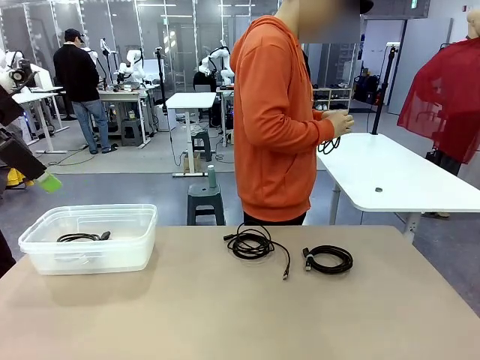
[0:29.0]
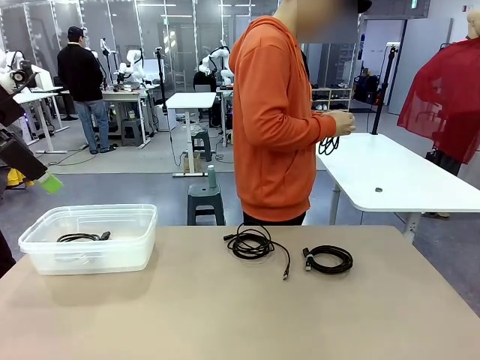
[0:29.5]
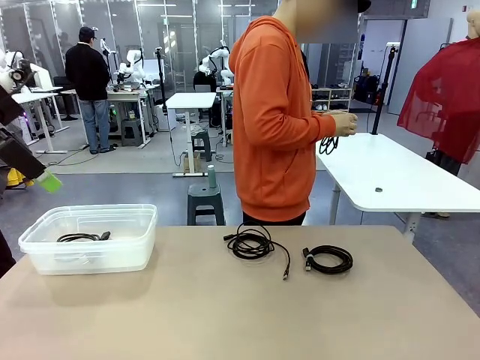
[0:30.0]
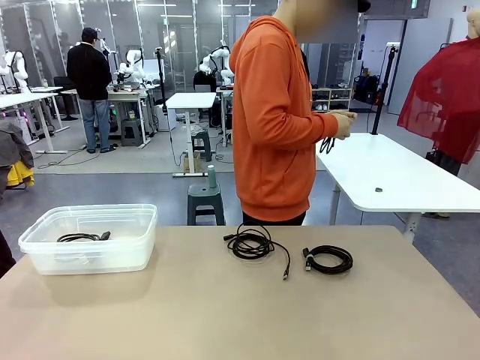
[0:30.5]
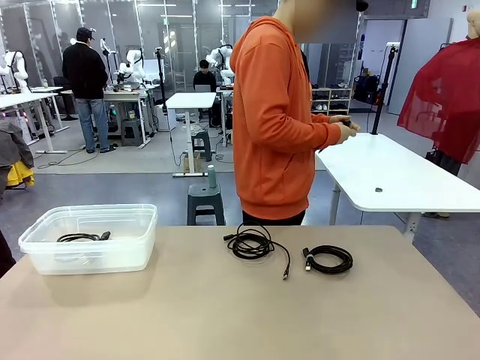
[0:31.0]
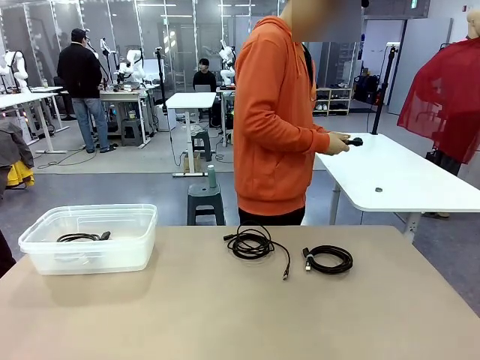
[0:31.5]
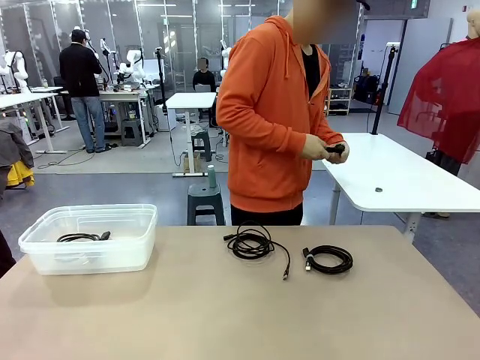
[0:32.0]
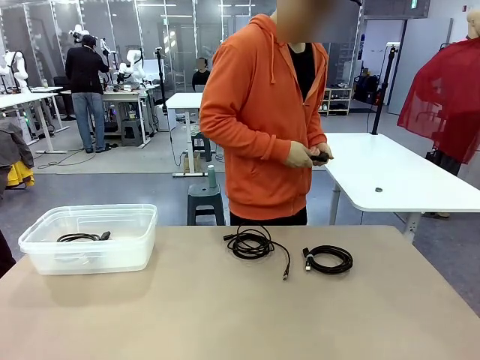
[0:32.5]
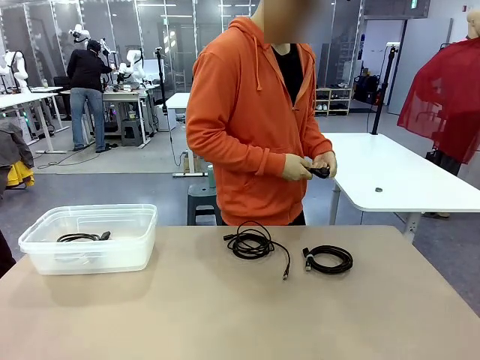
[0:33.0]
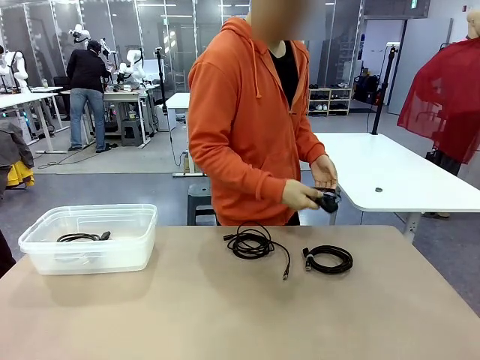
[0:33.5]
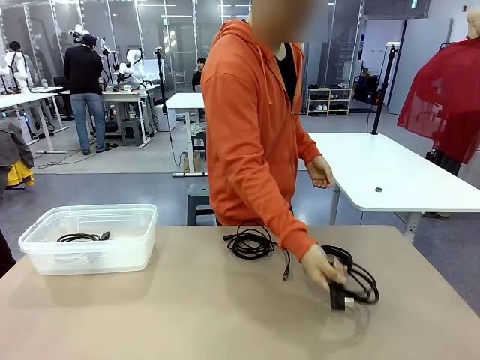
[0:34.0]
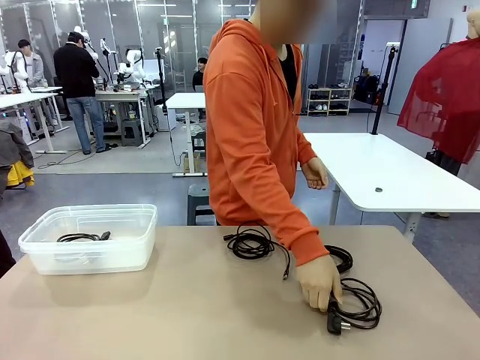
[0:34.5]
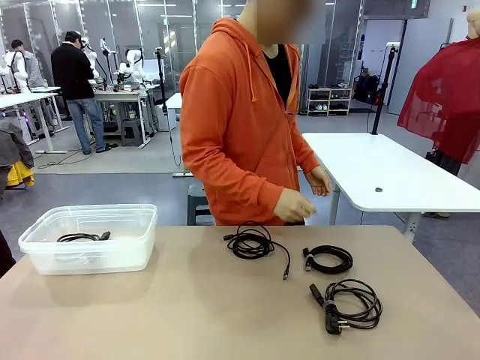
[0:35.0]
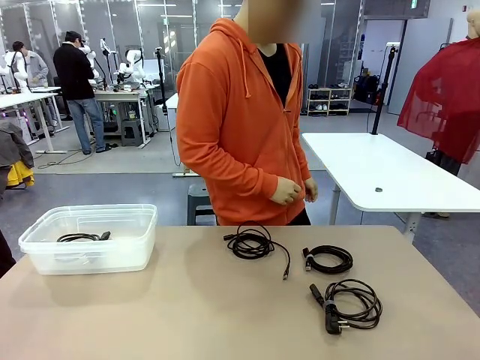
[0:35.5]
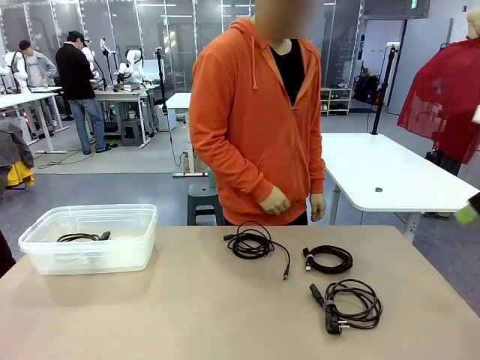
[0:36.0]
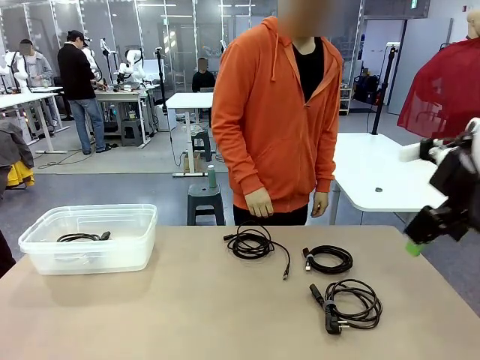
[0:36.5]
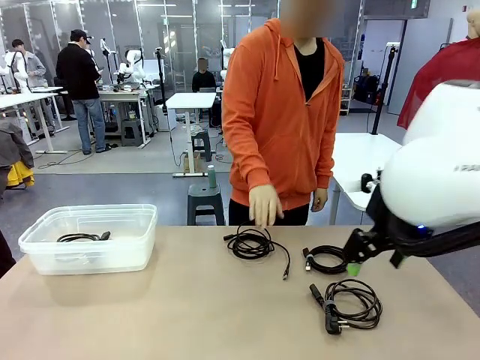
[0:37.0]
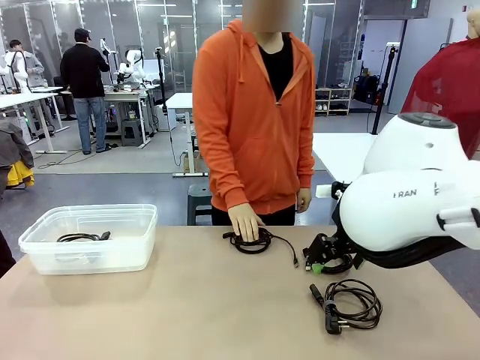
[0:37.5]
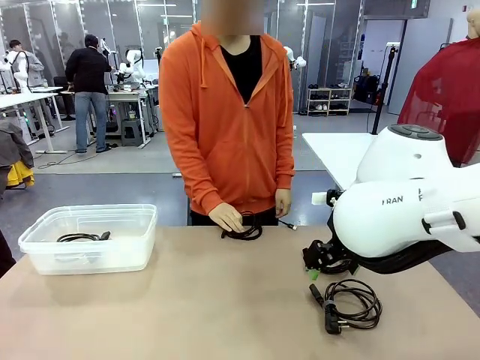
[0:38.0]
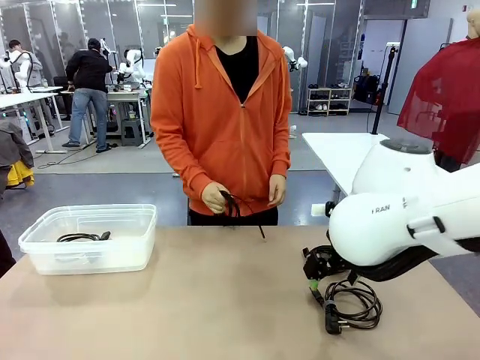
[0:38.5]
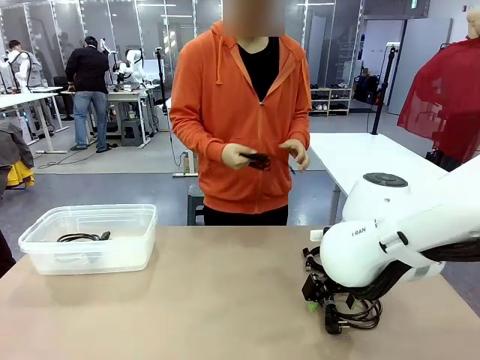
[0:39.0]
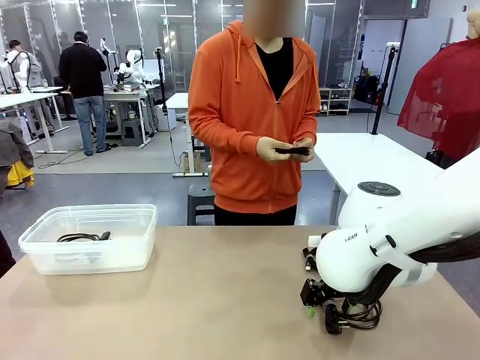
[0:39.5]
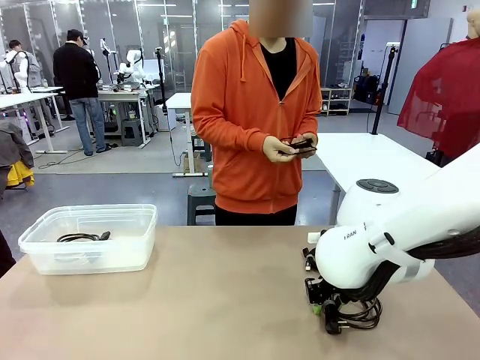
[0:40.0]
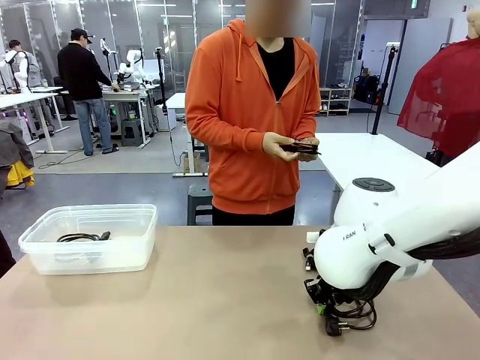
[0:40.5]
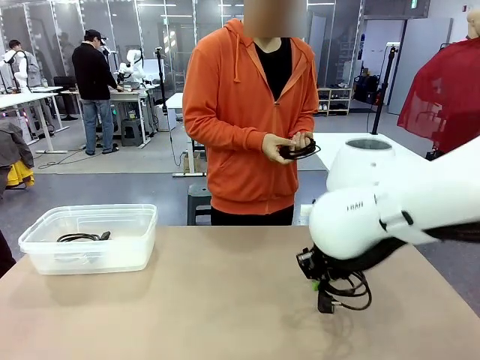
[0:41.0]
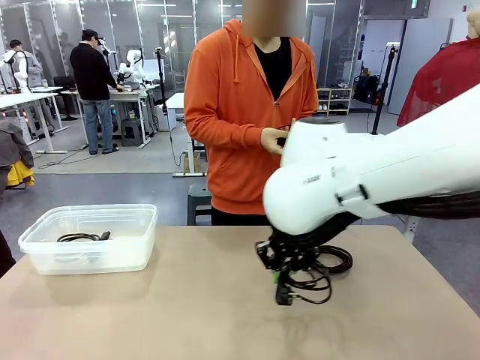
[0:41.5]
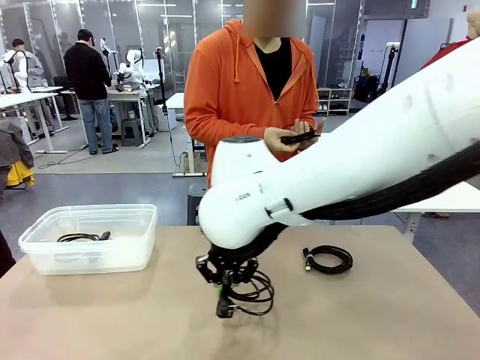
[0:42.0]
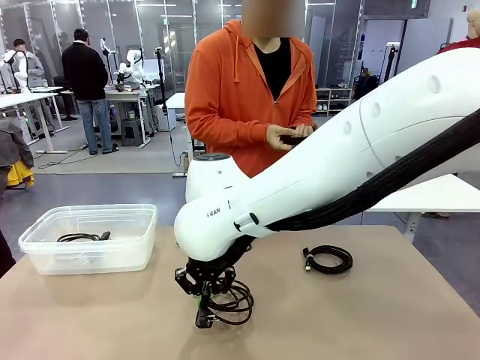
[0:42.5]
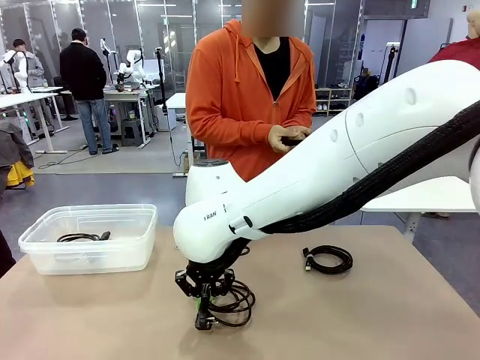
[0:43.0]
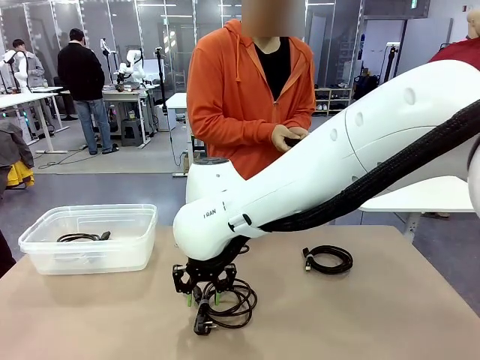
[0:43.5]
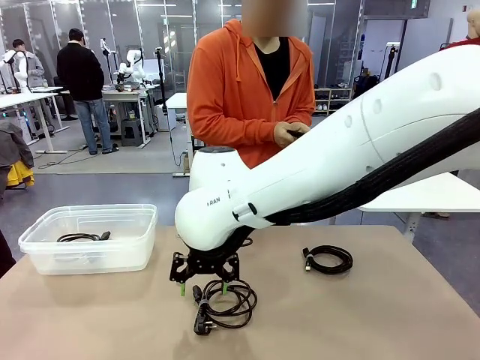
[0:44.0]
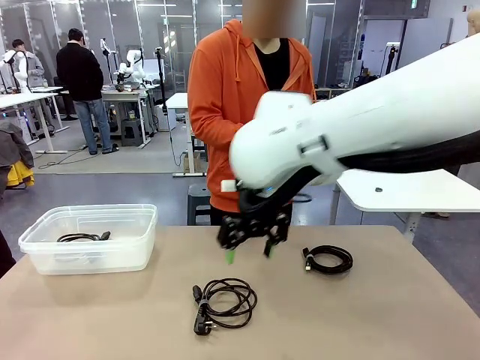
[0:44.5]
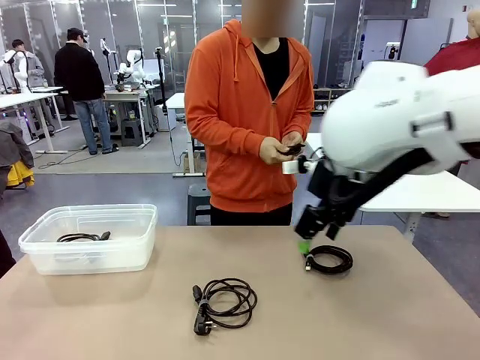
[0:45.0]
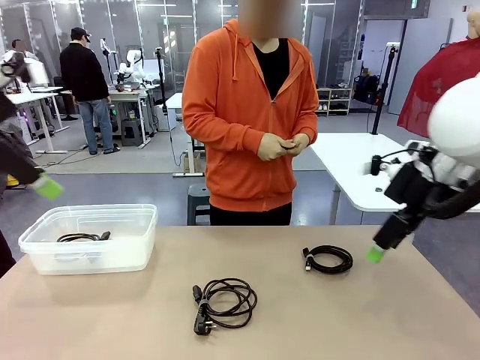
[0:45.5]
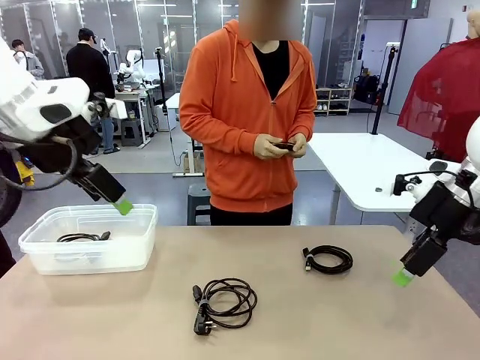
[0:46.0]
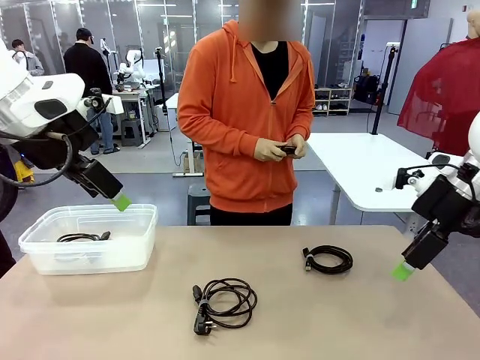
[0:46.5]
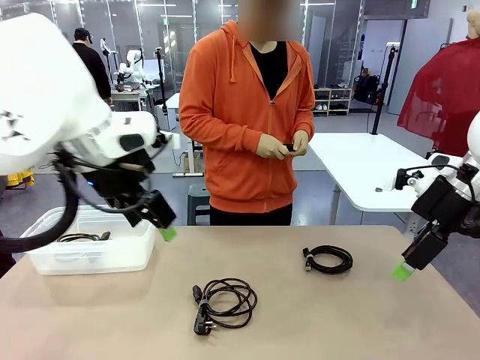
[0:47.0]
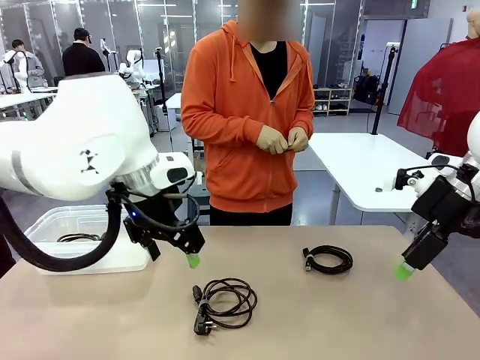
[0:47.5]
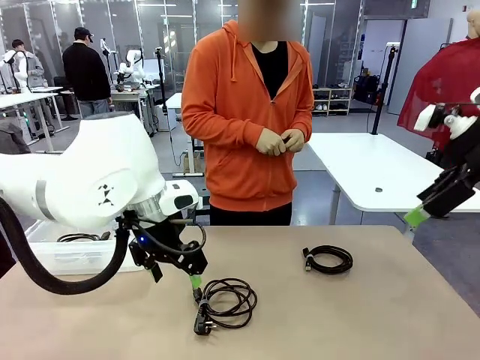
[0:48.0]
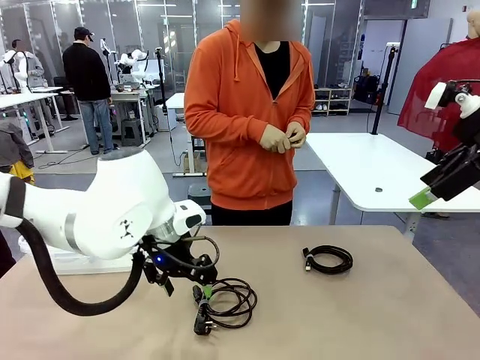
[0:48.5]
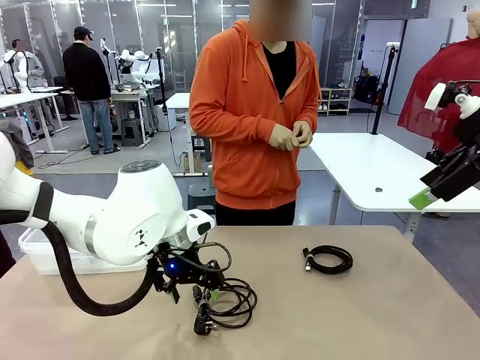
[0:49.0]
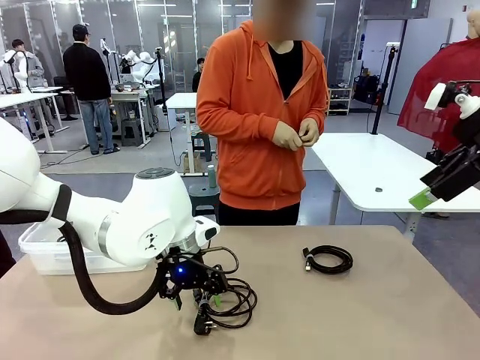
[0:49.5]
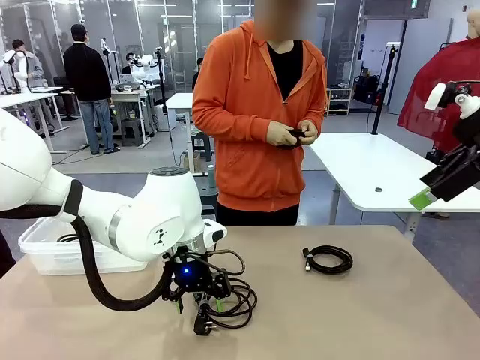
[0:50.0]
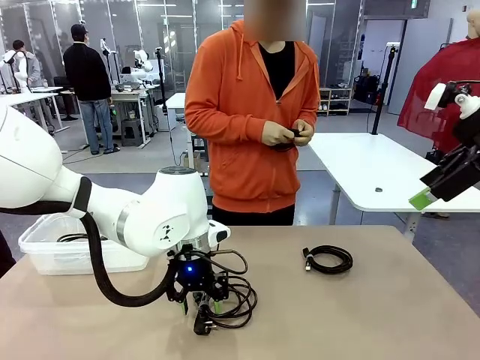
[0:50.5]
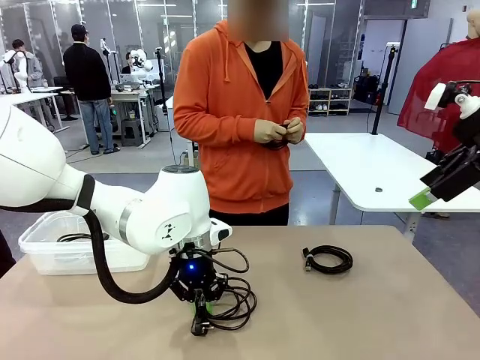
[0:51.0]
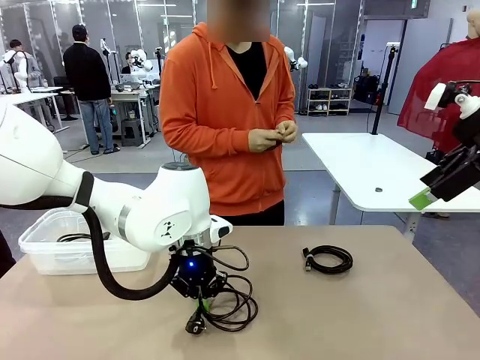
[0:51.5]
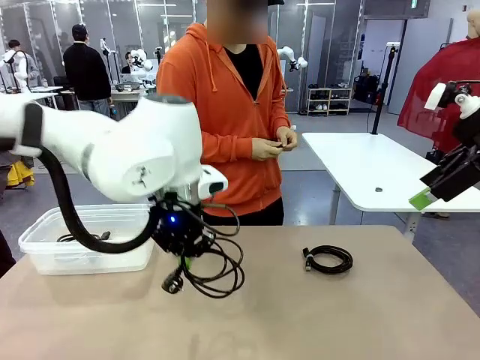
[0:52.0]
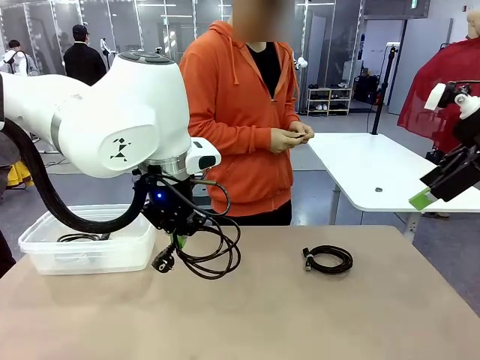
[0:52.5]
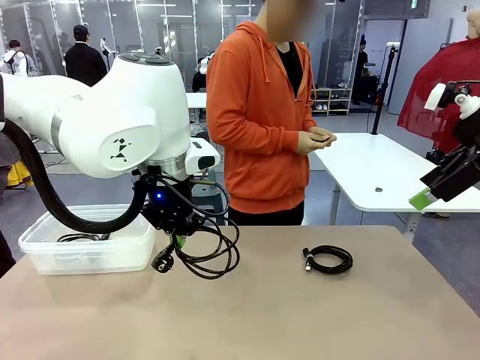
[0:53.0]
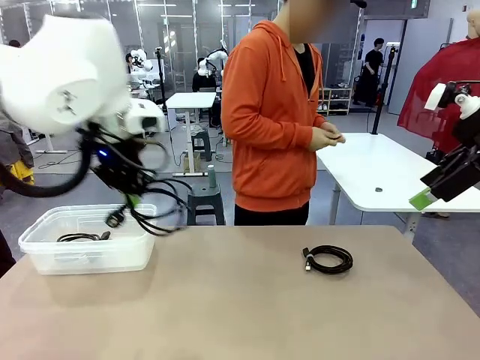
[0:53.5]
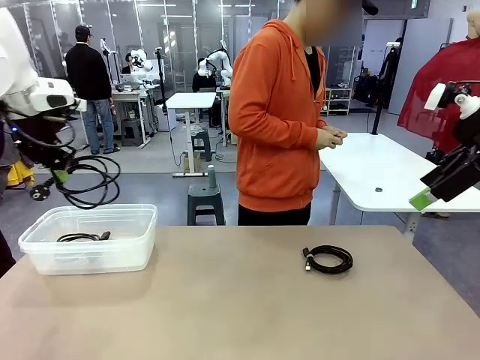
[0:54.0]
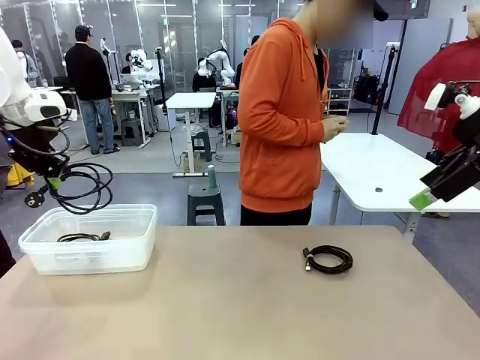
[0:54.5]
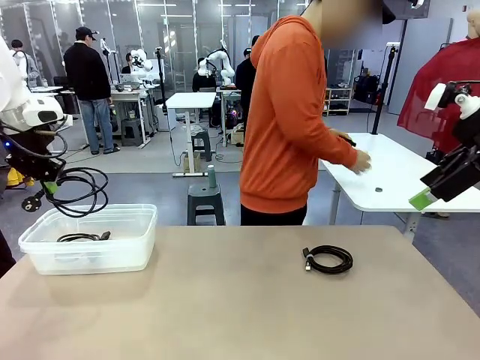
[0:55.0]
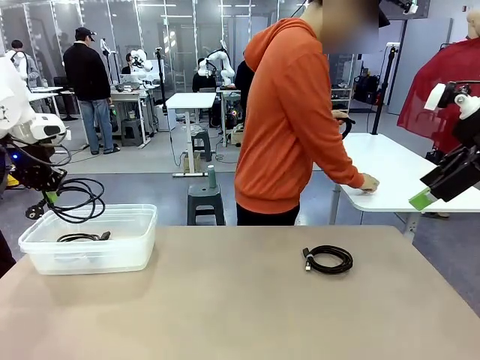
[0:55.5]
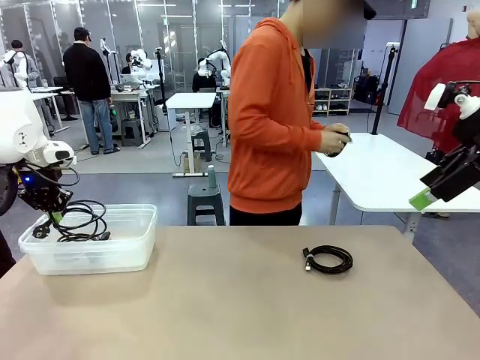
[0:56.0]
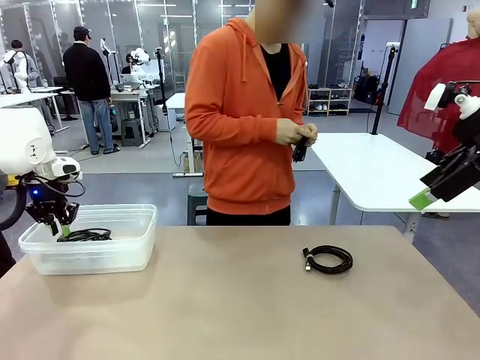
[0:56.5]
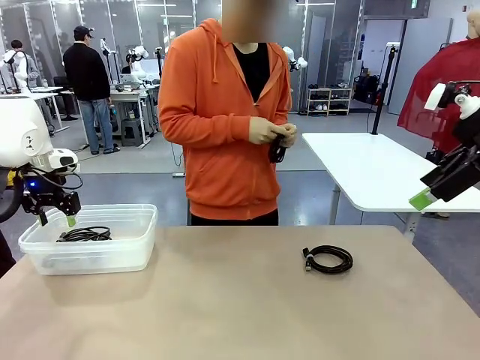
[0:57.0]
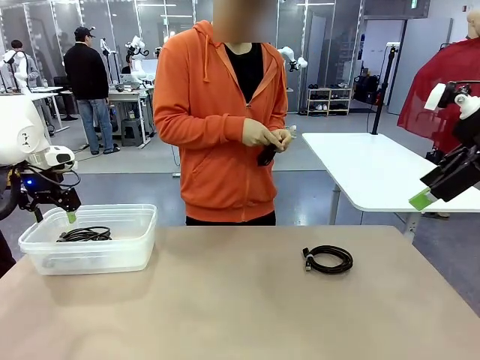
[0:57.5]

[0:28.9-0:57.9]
Task: Organize and store the cables.
Robot: Place the Power Cable into the Organizing box.
